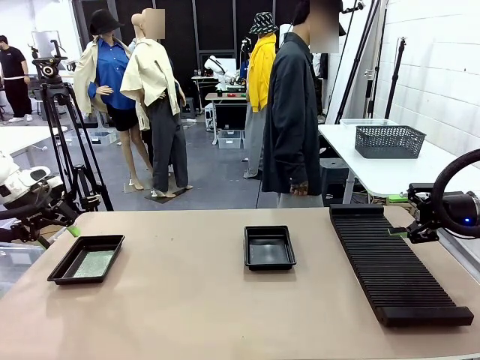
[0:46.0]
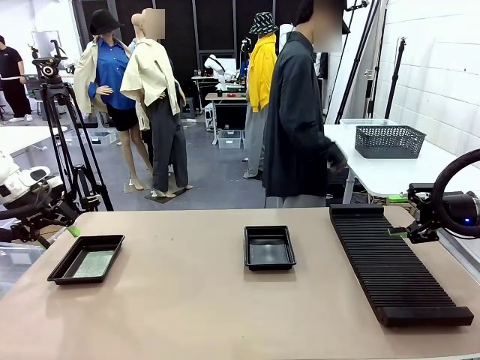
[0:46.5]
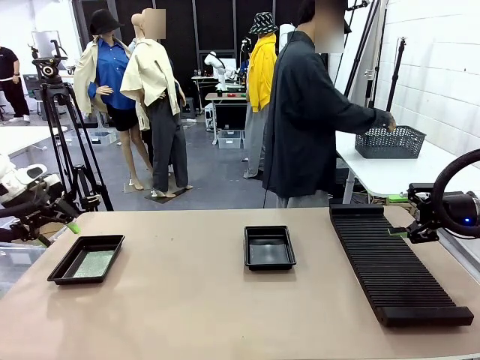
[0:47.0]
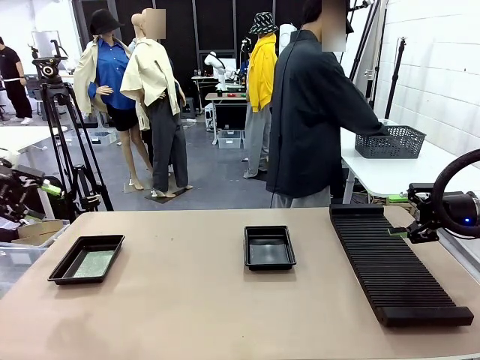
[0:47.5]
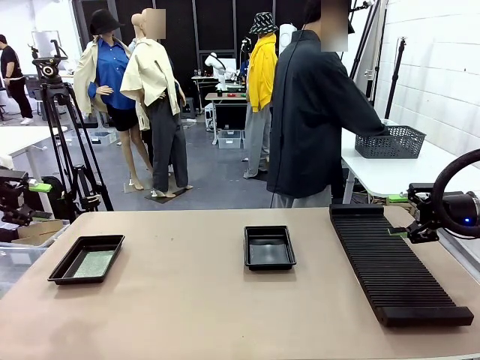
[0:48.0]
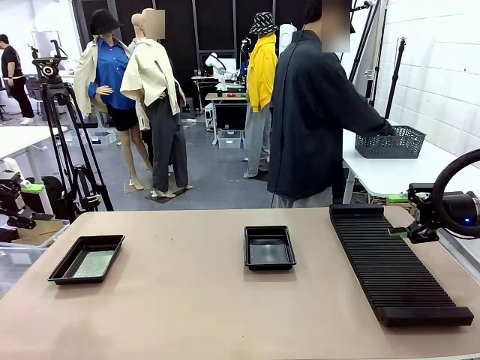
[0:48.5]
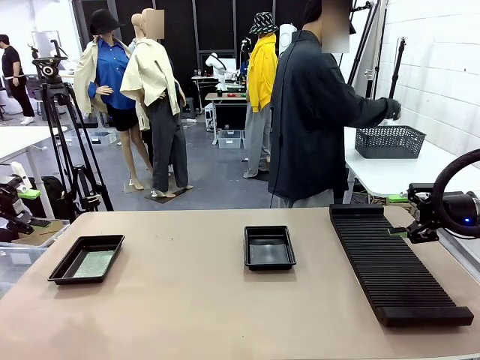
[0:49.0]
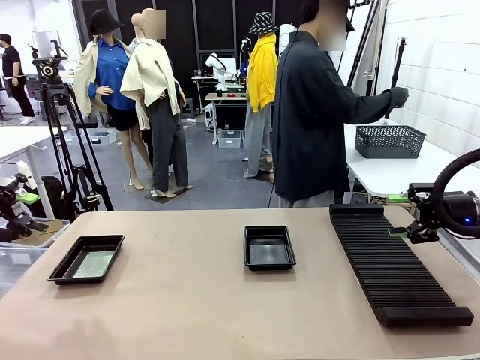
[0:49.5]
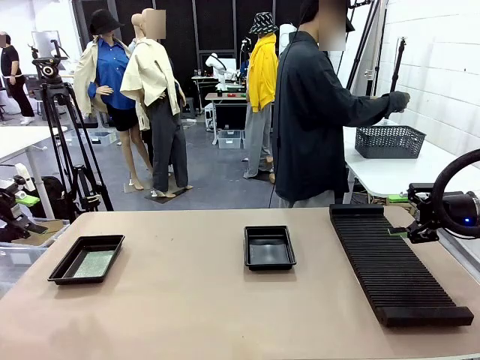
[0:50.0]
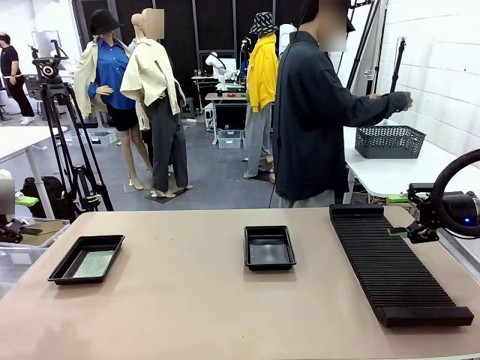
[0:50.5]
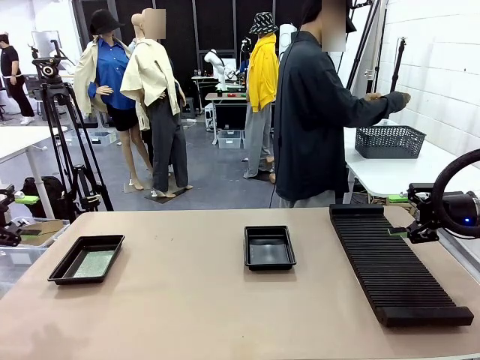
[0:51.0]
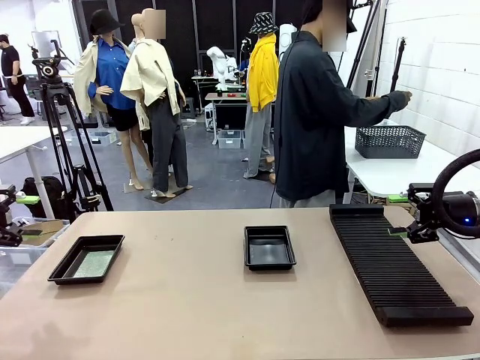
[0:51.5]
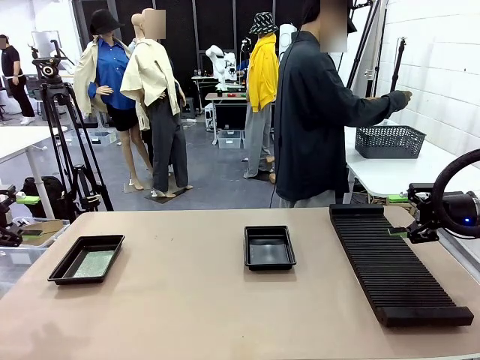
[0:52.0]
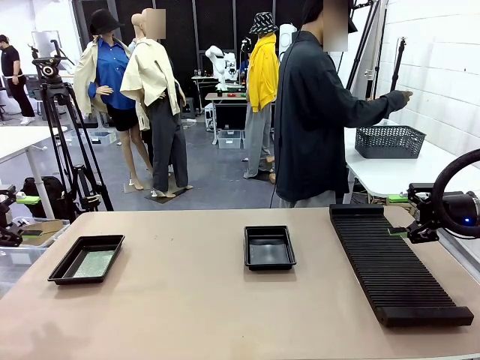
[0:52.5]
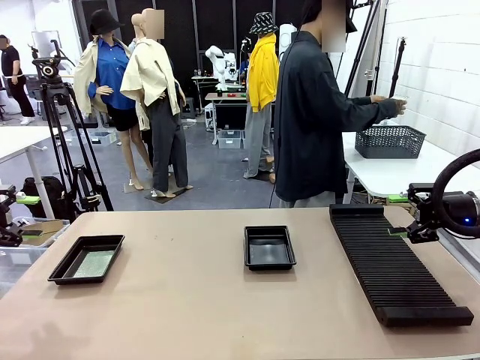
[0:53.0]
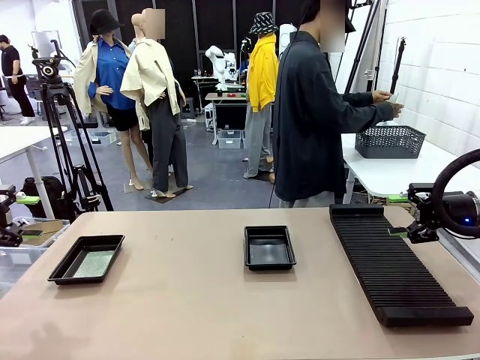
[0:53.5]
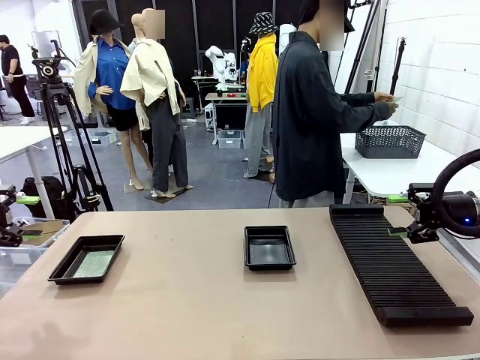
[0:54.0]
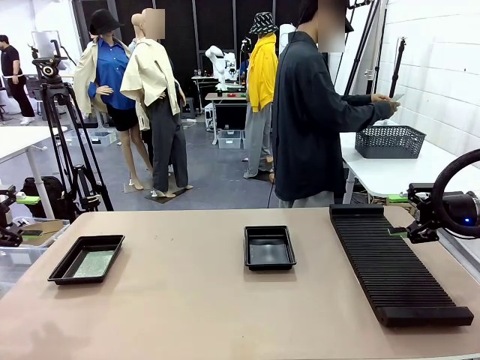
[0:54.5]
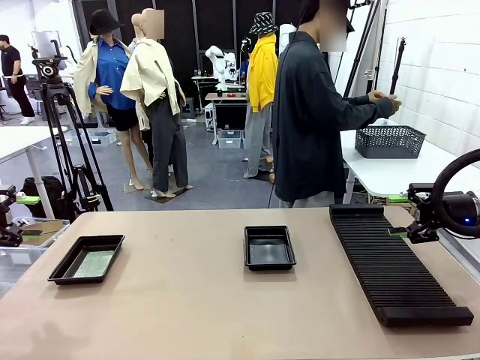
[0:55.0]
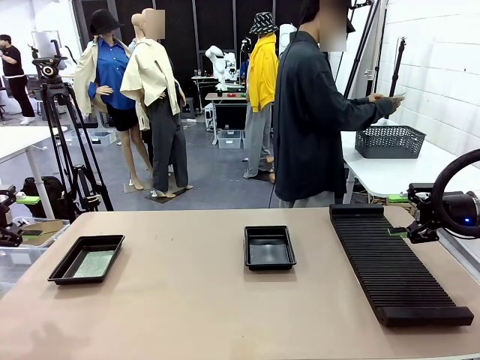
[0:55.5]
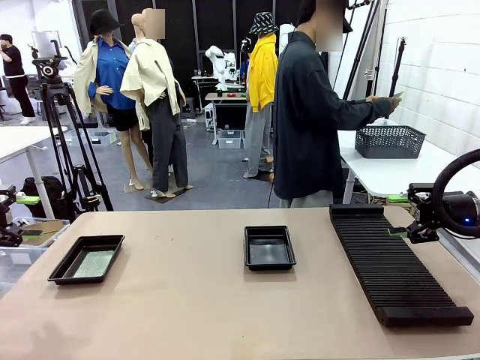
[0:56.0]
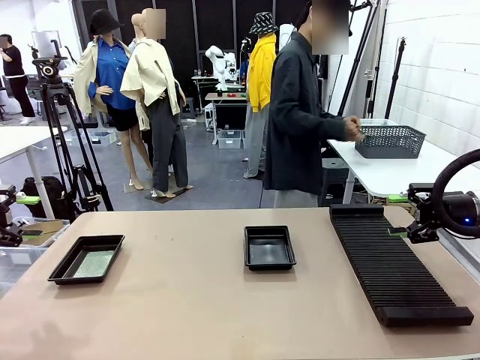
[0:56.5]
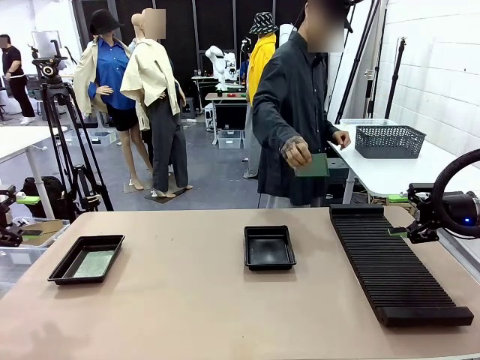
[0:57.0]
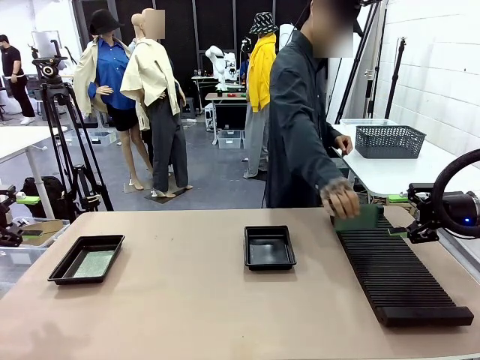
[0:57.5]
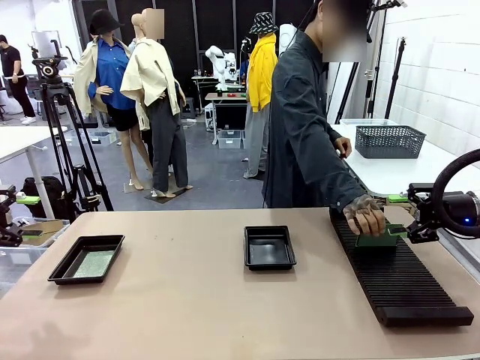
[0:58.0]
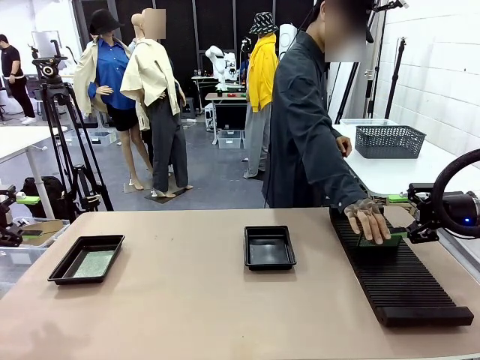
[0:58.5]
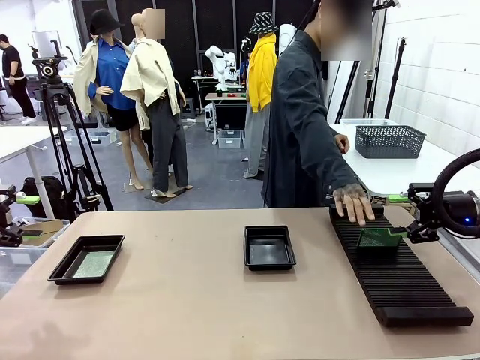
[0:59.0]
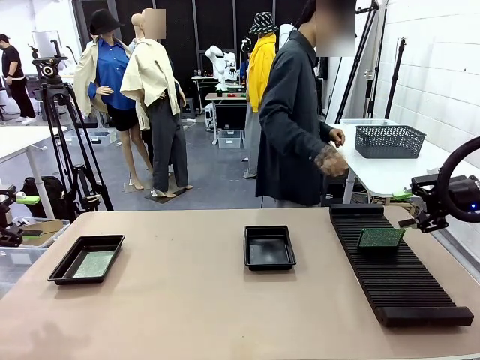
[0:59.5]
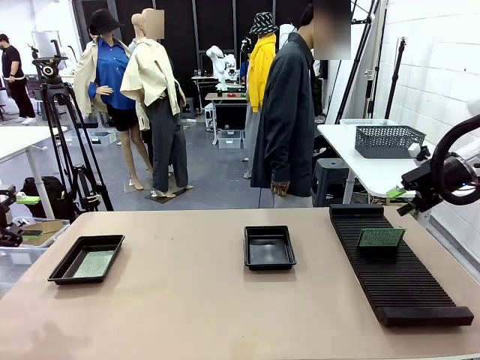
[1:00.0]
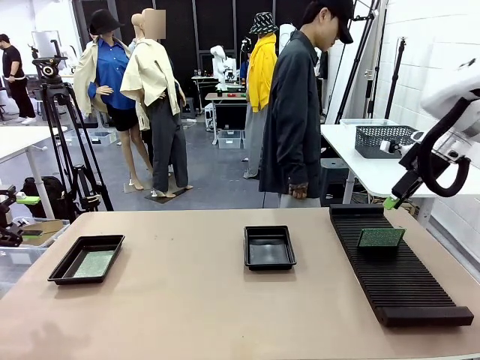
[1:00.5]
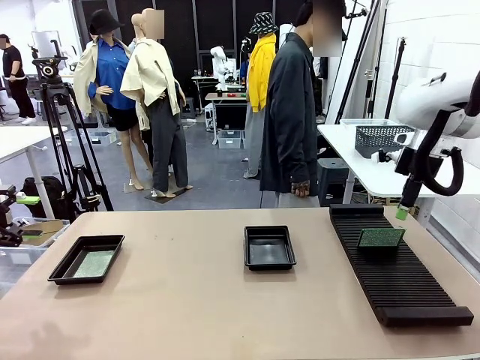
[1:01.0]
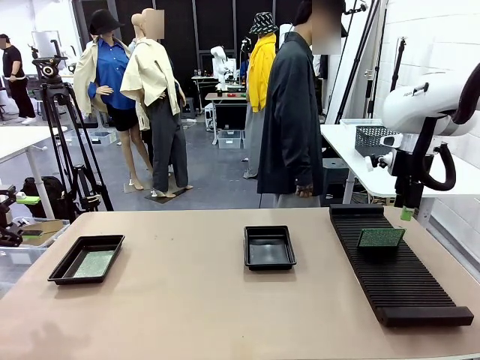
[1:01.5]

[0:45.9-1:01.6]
Task: Inspect and transfer BCBs to ESD trays.
Robot: Pick up the Blank PCB from the PCB Rack and place it in the right ESD tray.

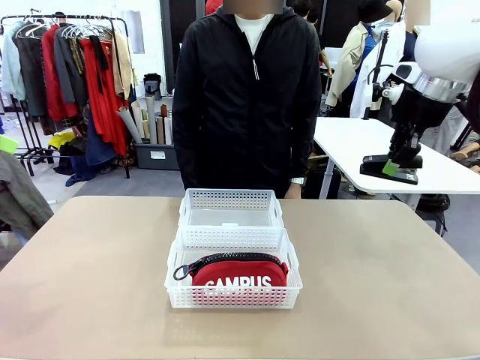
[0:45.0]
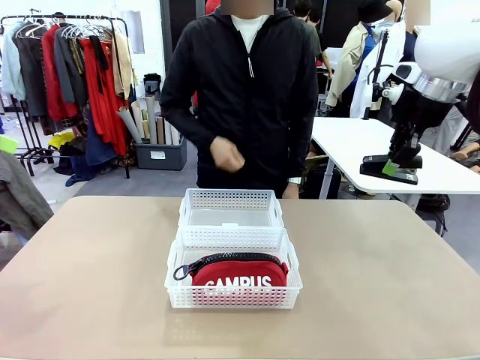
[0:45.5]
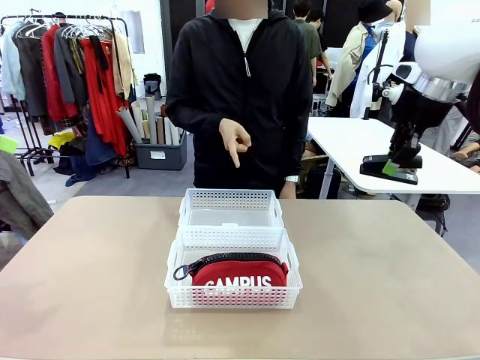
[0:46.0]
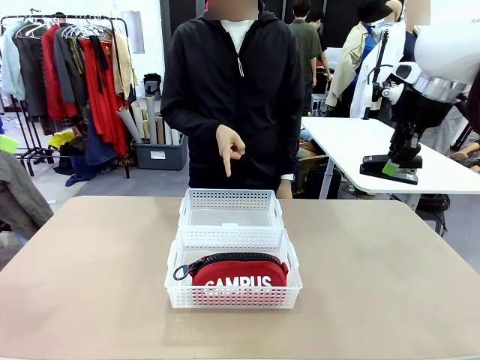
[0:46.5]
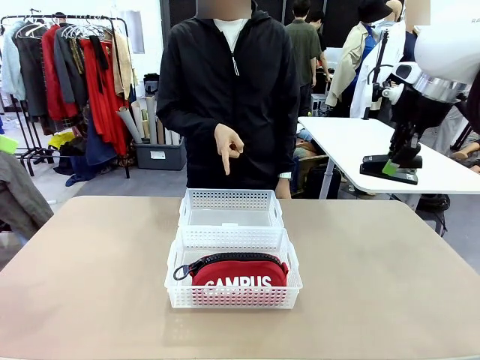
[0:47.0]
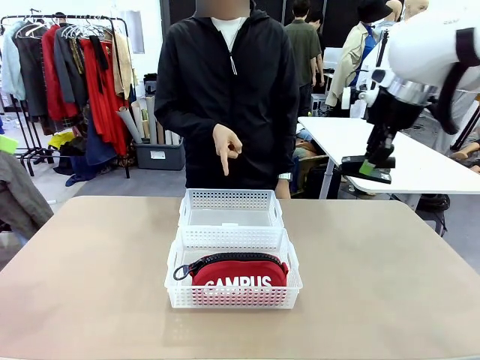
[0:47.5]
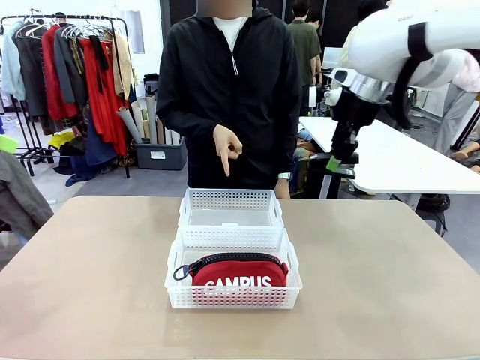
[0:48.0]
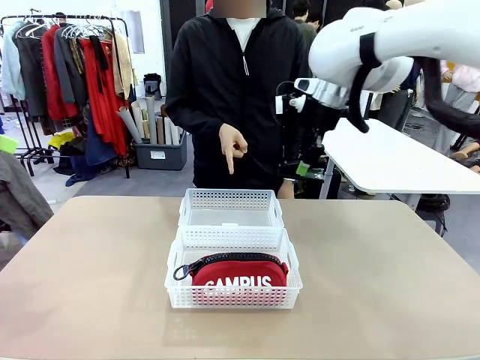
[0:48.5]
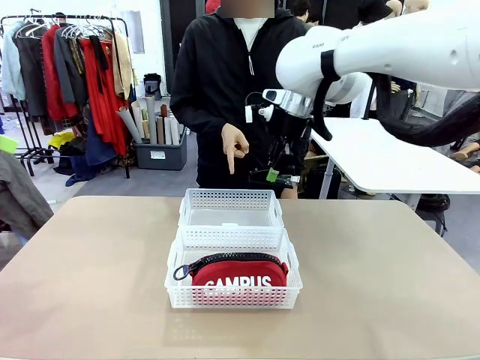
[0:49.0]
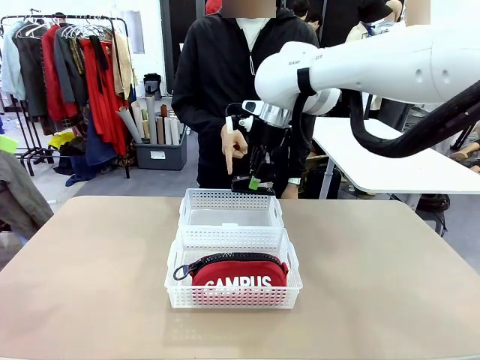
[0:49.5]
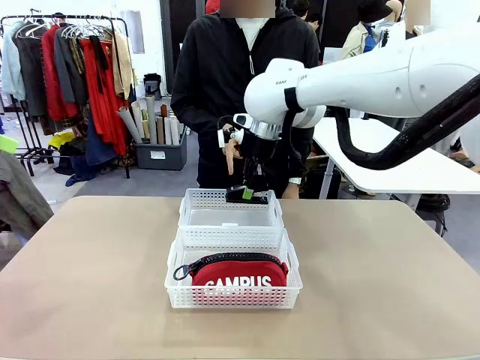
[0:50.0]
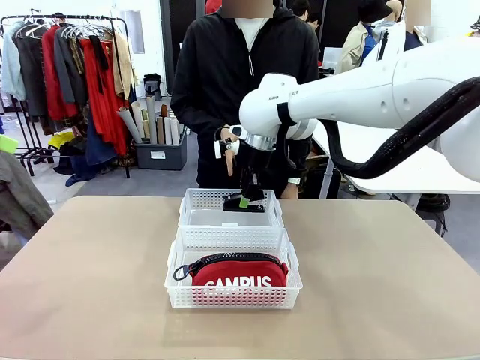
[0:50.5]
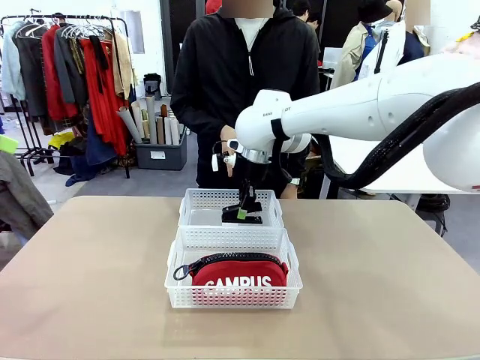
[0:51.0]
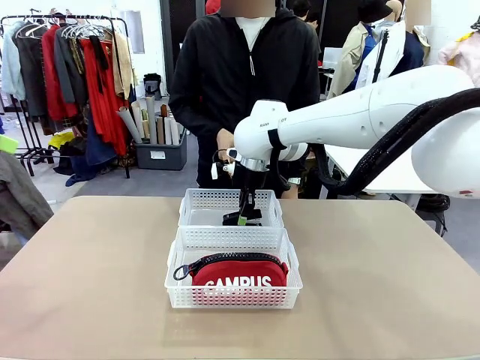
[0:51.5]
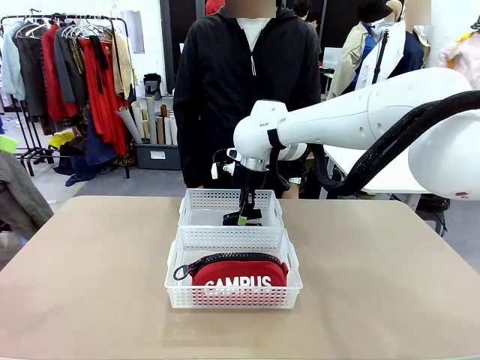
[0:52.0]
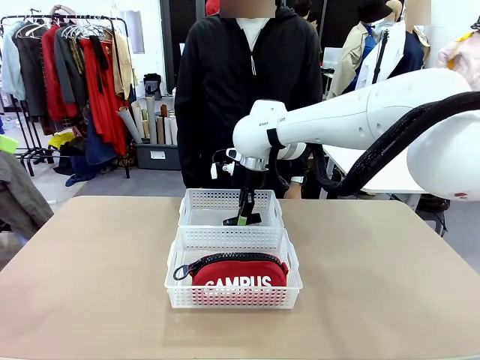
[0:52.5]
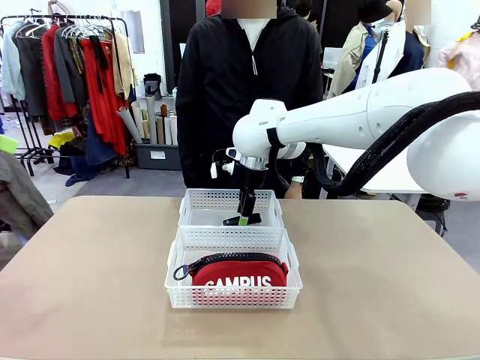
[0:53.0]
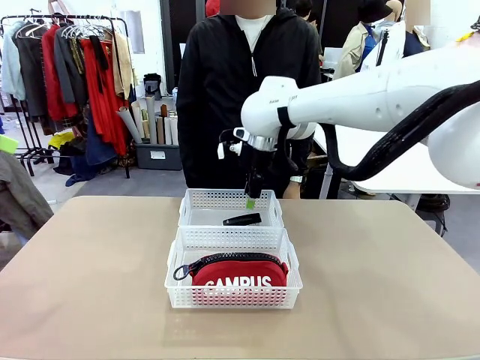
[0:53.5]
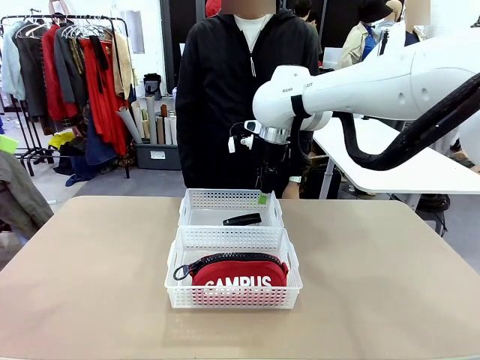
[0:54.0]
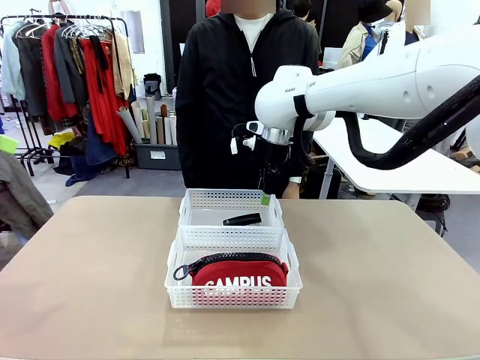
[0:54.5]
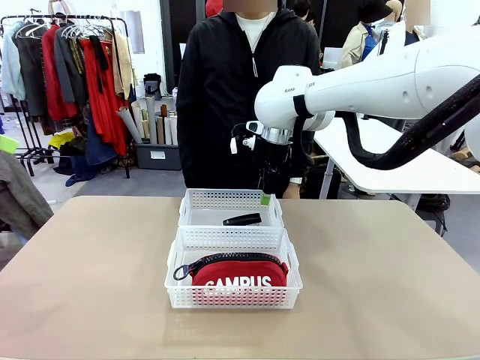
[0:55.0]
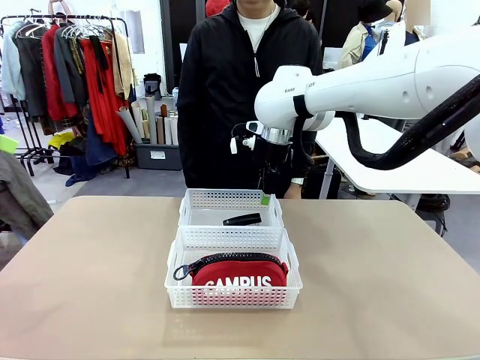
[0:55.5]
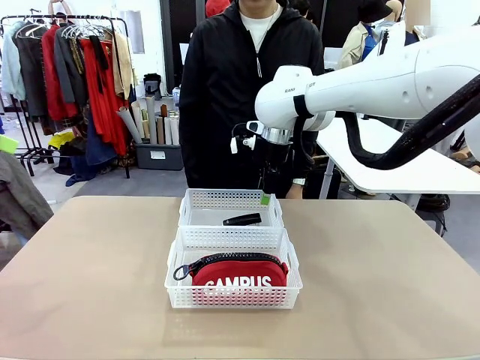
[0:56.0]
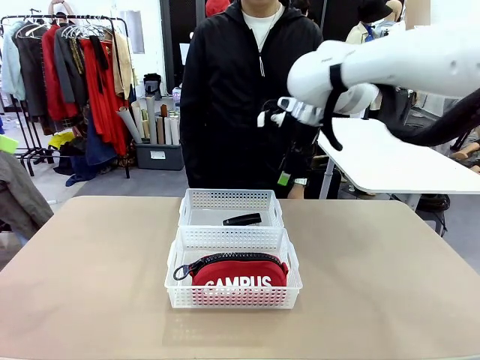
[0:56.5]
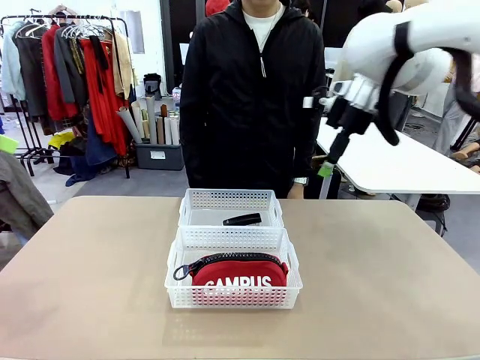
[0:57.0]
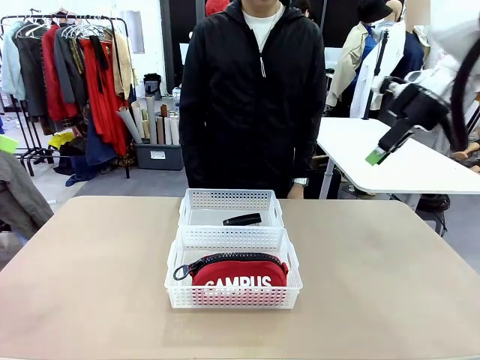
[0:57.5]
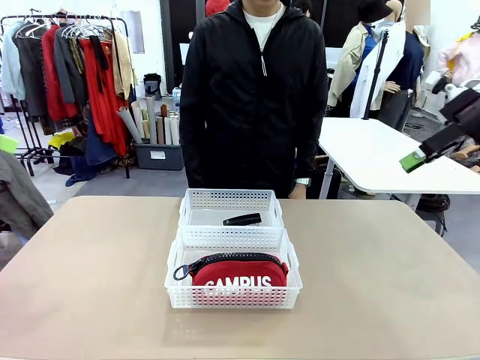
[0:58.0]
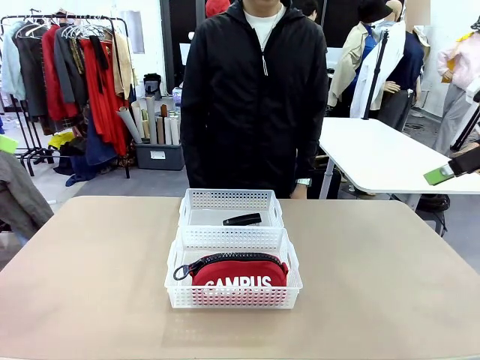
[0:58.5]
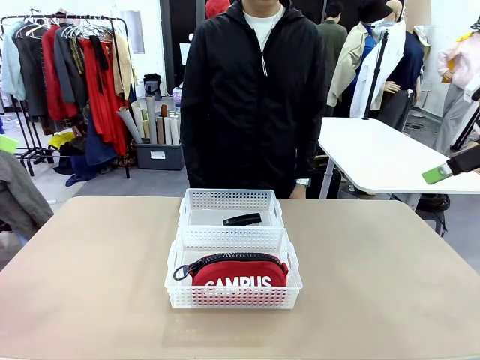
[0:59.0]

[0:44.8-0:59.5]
Task: Distribute items into two baskets.
Robot: Place the picked Stapler into the Organizing basket as instructed by the person.
Person: Points to the basket that does not contain the pencil case and instructs the robot to move the stapler there.
